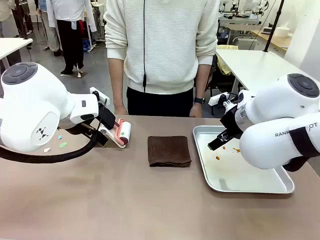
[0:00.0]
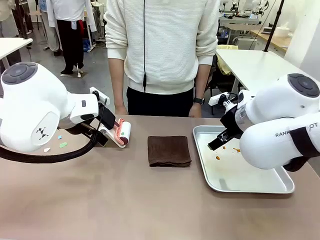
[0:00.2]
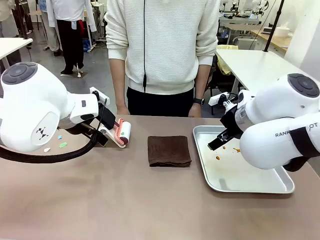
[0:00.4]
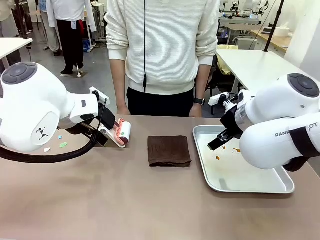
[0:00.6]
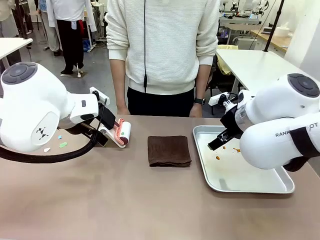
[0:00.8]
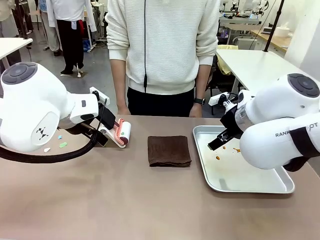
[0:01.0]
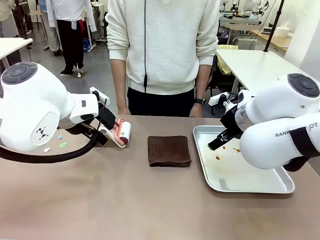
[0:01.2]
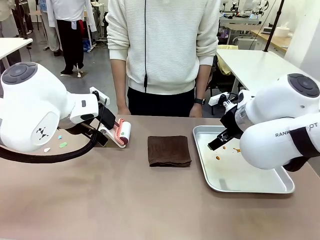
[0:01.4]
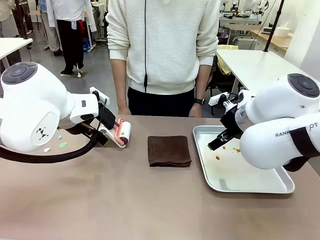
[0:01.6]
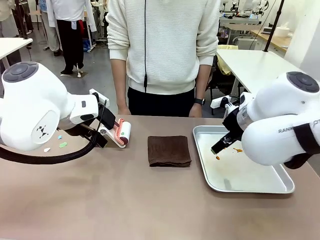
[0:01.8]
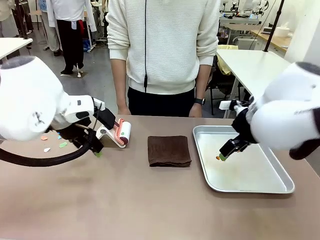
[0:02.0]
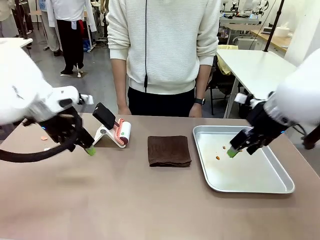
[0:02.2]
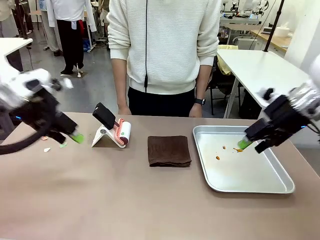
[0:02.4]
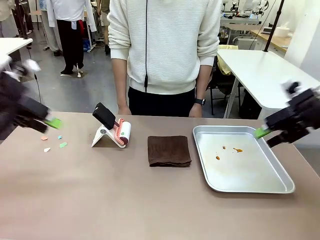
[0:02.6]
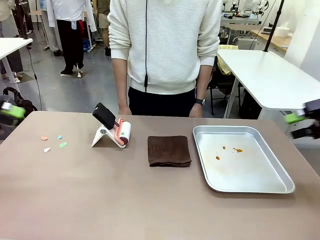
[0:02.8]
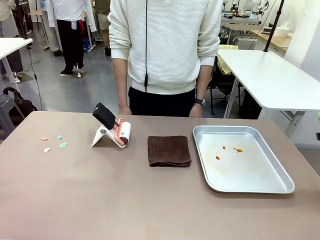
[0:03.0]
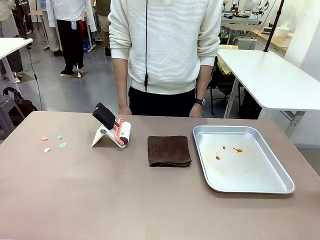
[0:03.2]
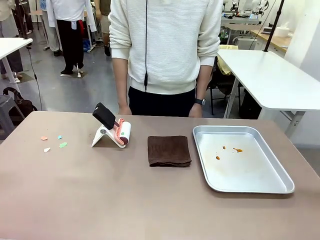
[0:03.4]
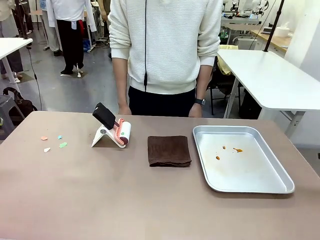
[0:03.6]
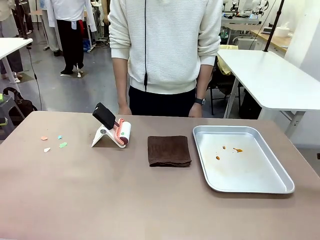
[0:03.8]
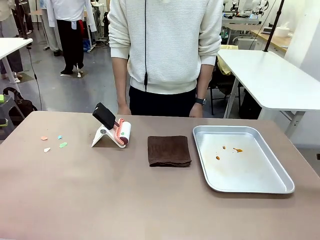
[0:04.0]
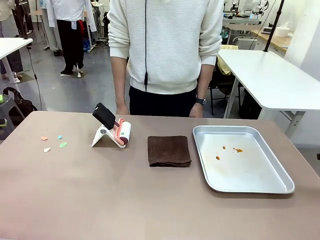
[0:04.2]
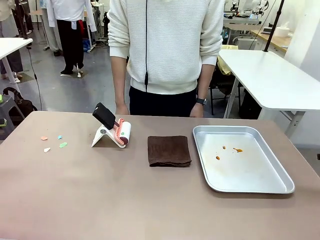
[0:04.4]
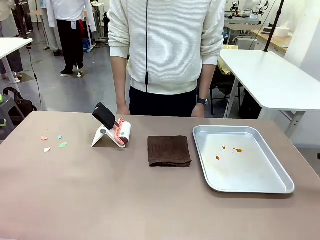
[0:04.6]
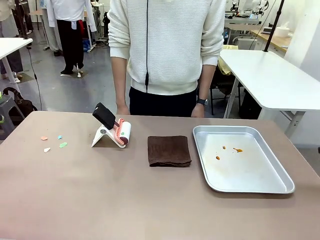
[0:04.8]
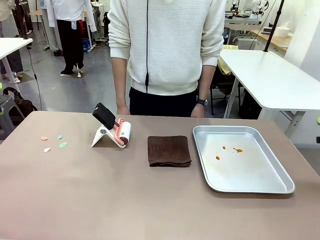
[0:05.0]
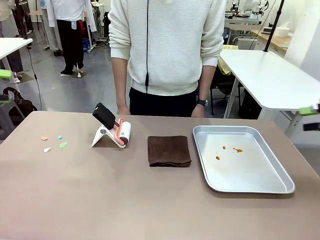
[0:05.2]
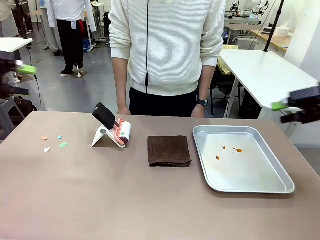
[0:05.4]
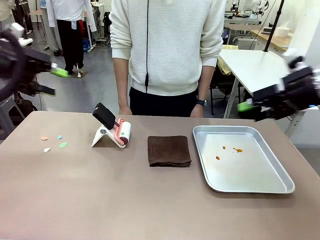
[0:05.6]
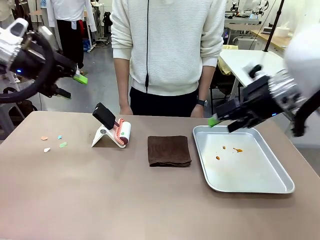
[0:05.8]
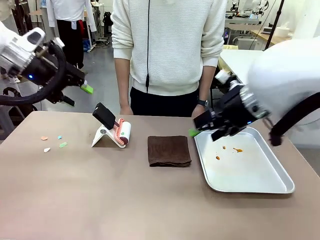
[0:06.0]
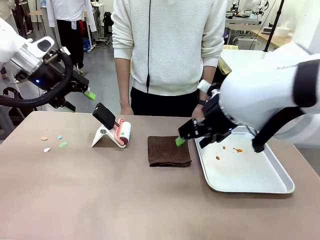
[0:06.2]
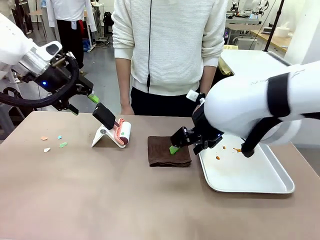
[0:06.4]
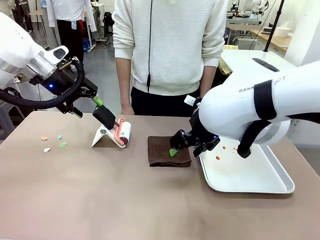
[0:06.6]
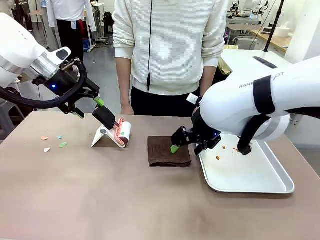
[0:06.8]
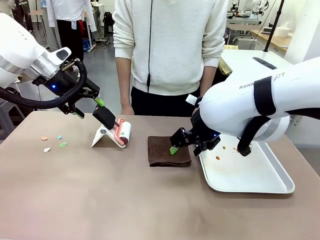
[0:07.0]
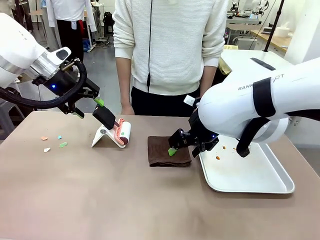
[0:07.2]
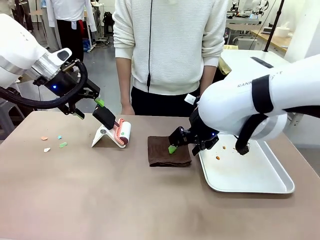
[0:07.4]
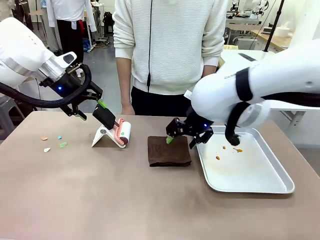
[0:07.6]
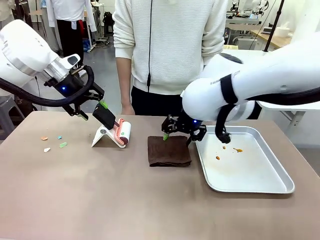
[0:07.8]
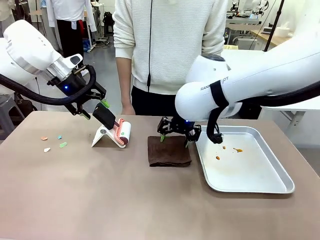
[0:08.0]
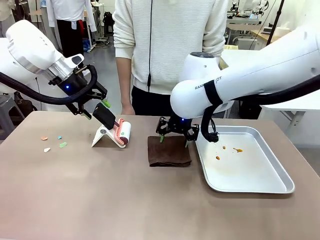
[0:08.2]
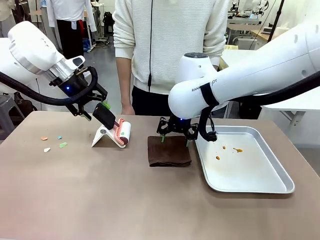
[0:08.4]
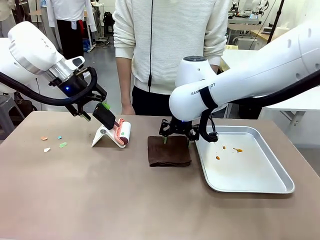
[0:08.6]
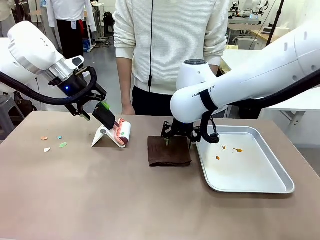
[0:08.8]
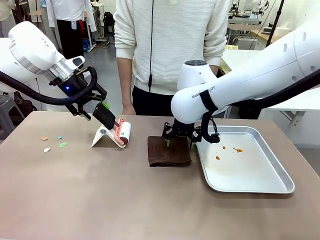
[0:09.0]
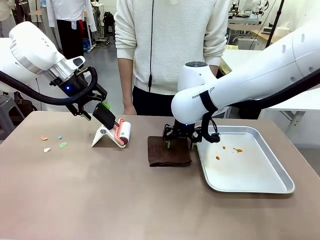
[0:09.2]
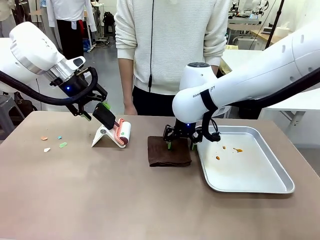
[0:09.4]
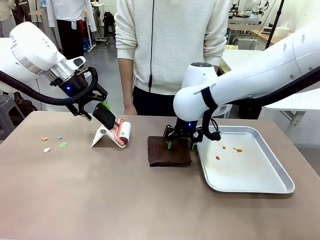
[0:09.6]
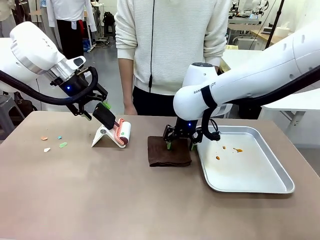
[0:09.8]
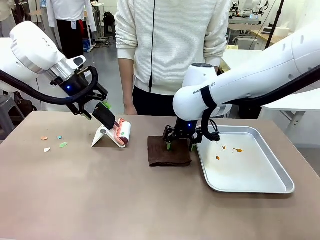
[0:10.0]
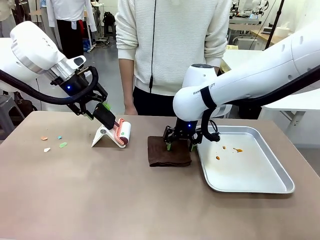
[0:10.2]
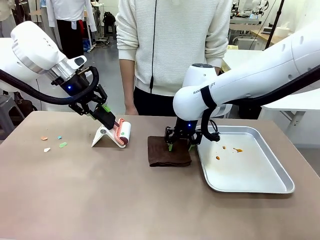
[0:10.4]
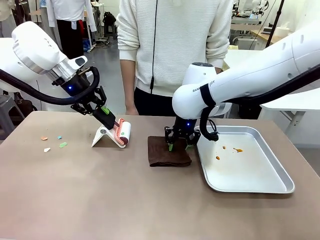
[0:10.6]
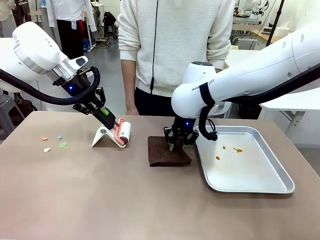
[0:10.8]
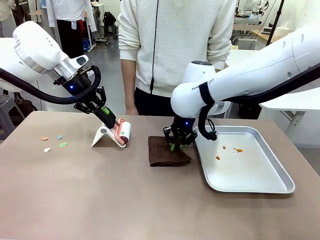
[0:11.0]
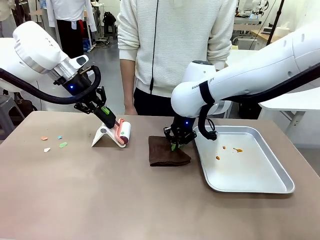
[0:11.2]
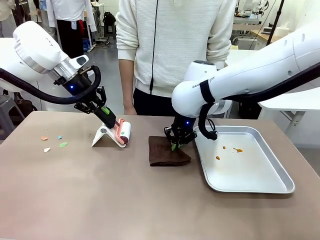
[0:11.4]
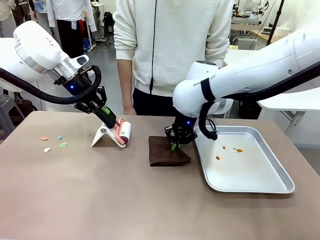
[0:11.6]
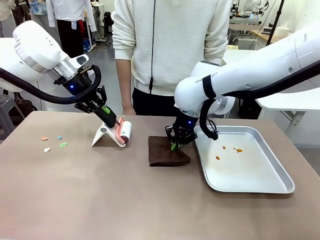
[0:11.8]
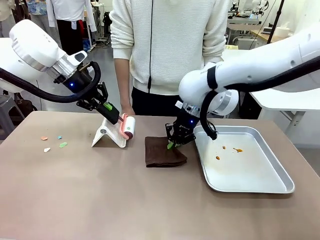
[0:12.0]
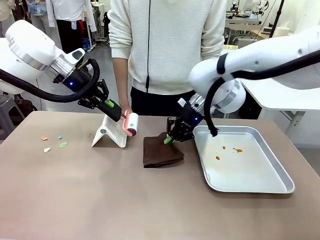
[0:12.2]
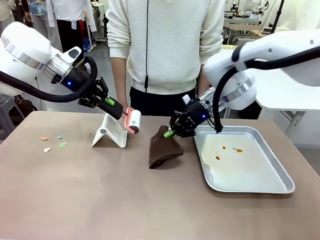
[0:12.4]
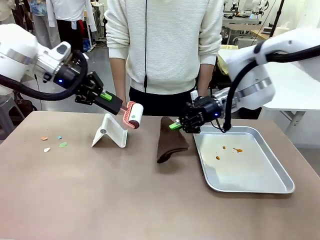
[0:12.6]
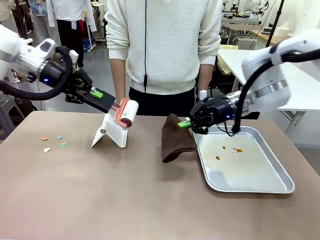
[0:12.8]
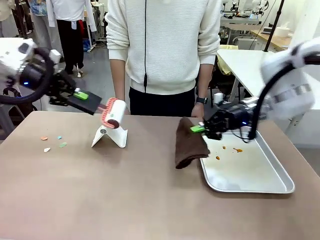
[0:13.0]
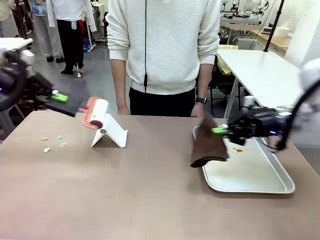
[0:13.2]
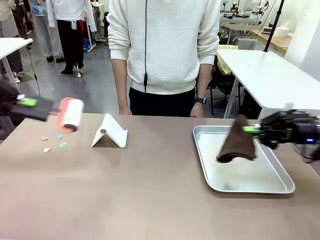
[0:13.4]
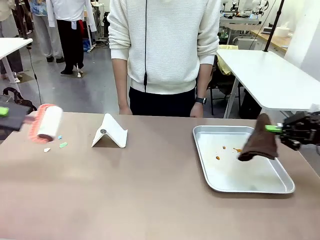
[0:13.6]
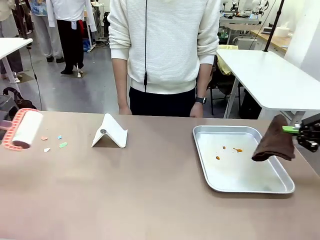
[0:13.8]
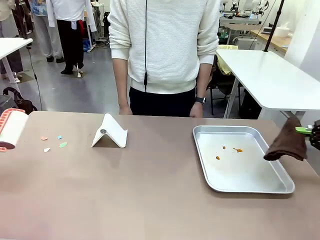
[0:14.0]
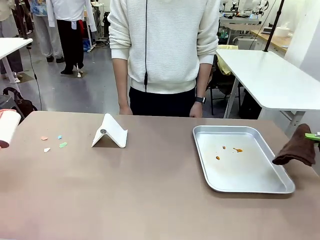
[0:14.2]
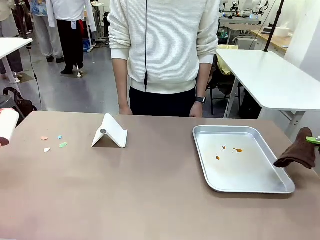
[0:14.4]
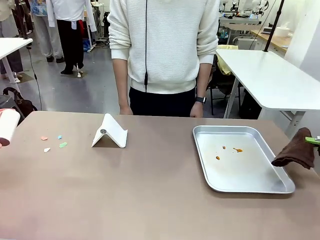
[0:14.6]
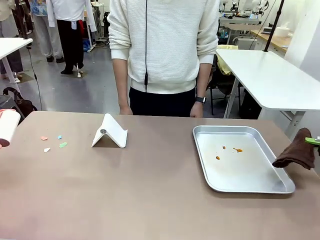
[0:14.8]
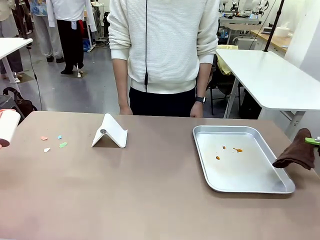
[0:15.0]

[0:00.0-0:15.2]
Task: Clean the surface of the table.
Robot: Hold the Lint Roller with your left hand and the towel with your right hand.

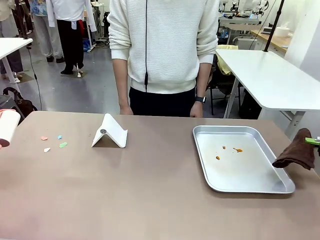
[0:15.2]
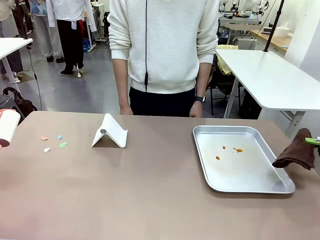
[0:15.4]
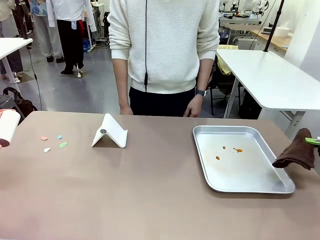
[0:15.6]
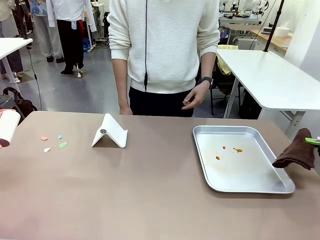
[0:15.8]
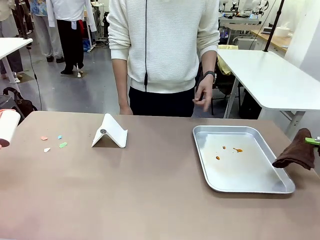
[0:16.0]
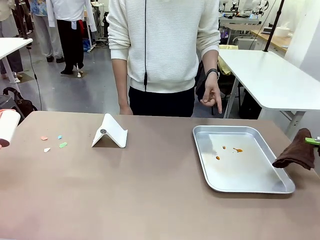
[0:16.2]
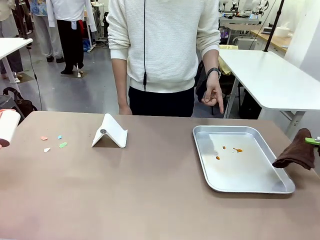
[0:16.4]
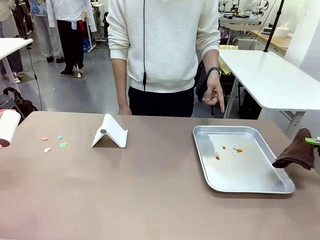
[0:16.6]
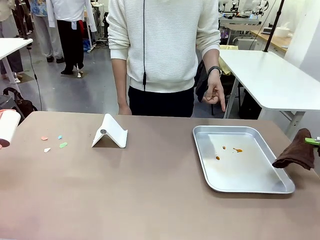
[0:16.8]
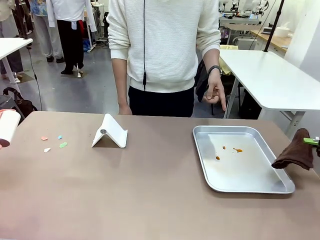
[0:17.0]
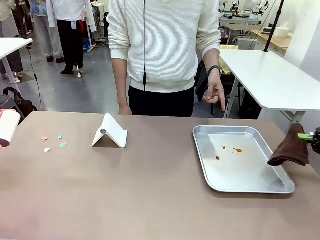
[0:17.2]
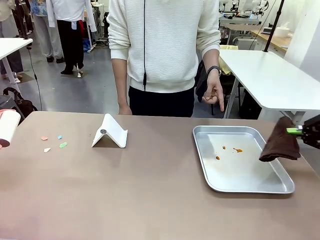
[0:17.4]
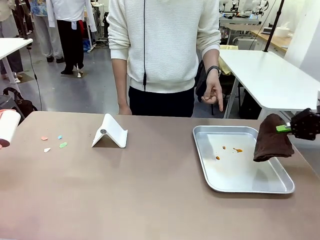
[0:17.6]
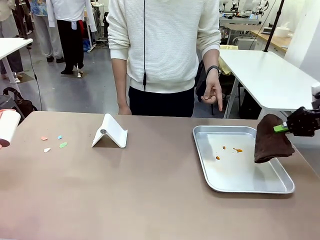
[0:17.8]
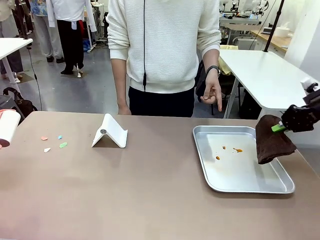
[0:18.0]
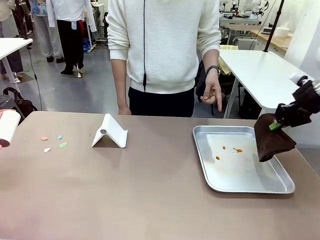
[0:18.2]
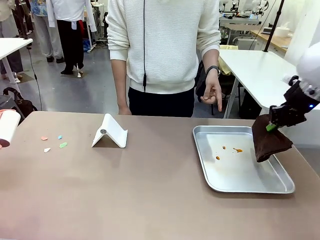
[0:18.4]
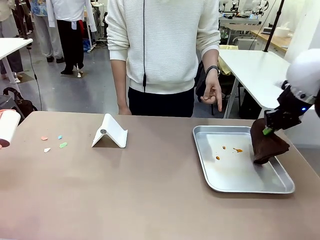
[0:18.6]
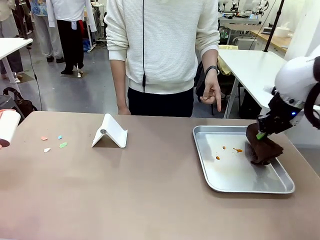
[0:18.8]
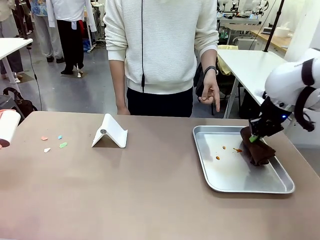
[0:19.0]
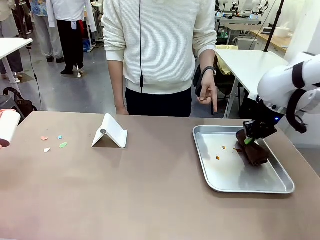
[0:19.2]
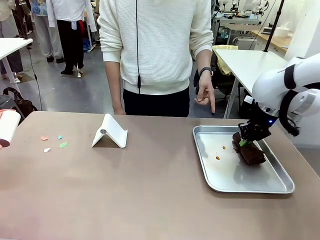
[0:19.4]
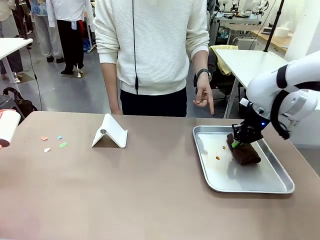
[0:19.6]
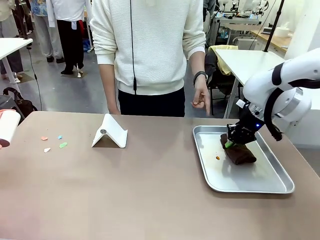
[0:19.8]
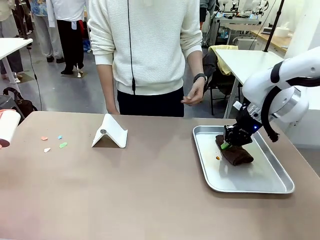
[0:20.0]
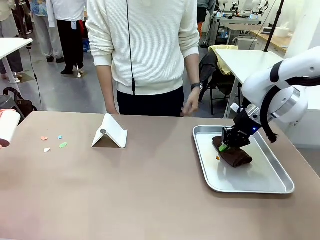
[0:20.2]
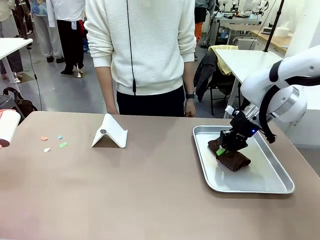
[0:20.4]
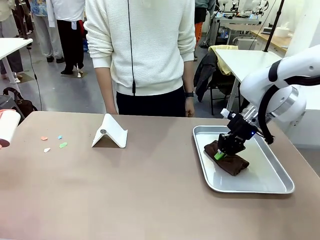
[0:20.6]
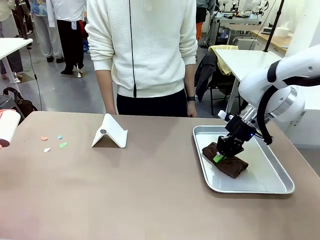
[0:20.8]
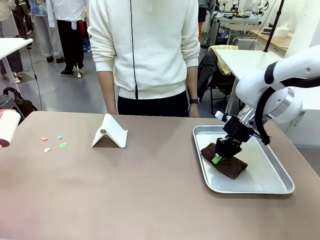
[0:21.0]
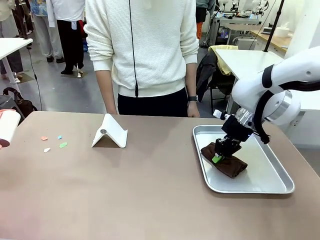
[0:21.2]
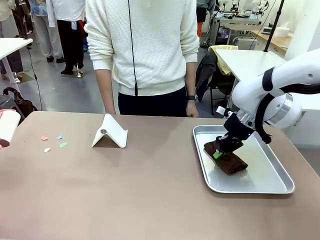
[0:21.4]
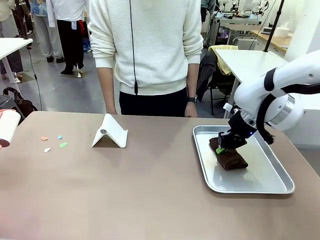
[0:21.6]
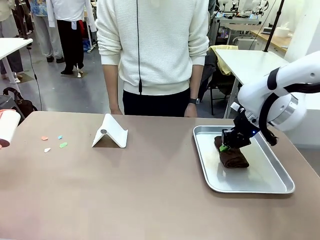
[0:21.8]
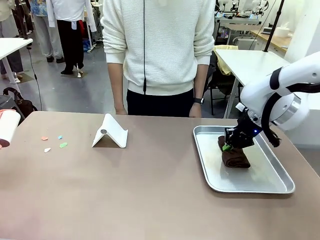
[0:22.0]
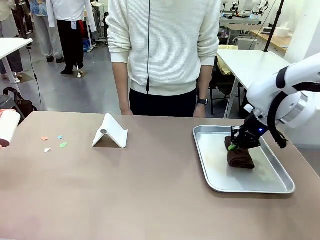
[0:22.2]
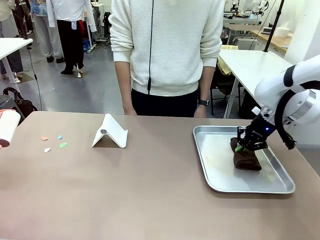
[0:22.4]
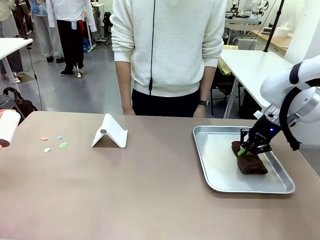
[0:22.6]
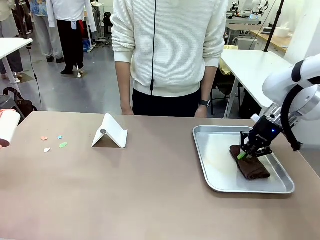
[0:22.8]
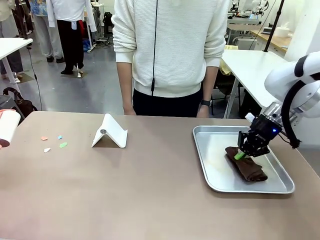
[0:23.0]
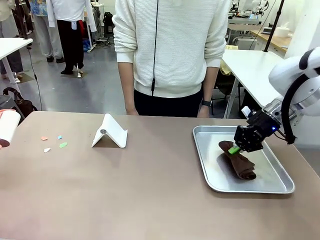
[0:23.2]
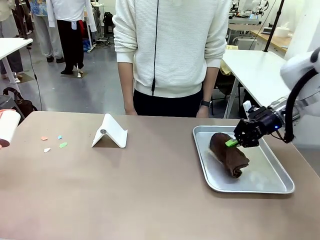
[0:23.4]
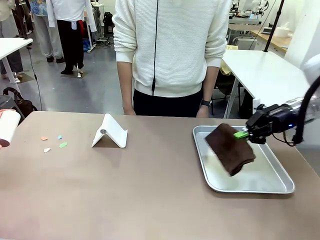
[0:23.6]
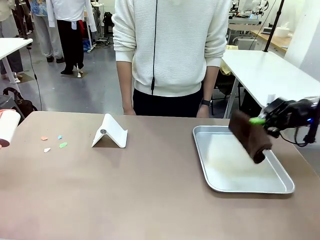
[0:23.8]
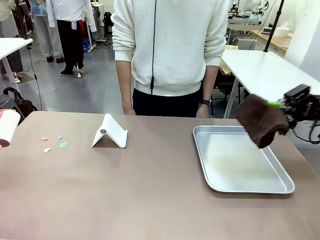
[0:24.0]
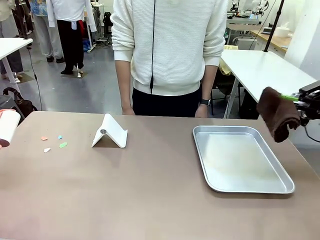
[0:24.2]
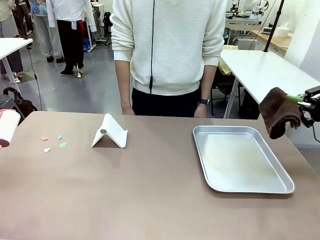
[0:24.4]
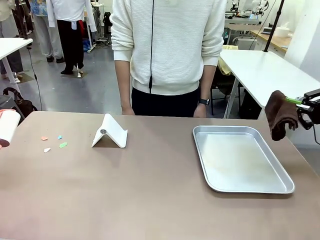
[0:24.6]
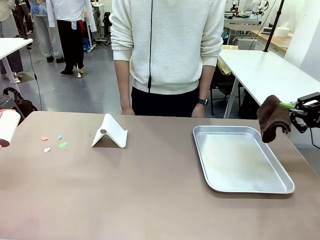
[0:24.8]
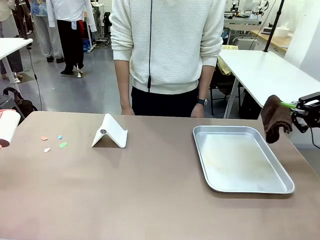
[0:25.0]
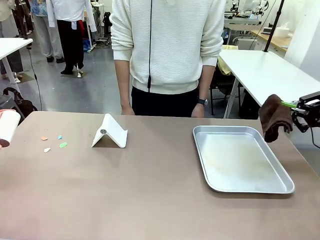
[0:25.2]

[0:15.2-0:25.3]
Robot: If a person points to the right, clean the right side of the table with your right hand, and if they point to the left, clean the left side with your left hand.
